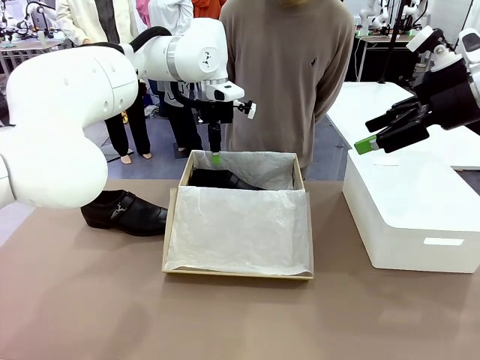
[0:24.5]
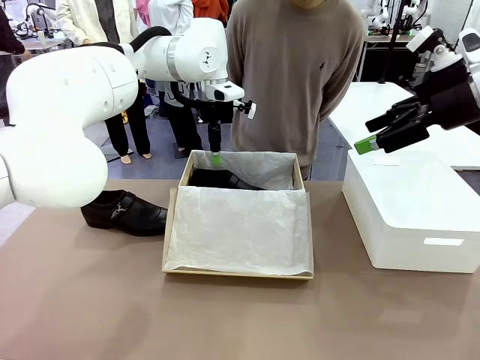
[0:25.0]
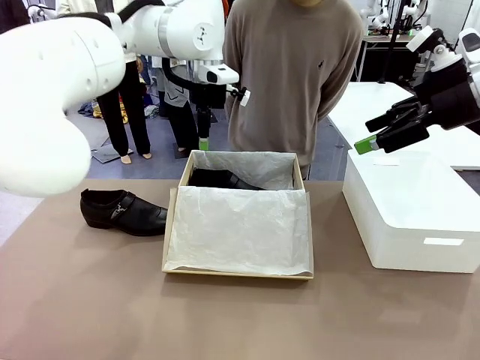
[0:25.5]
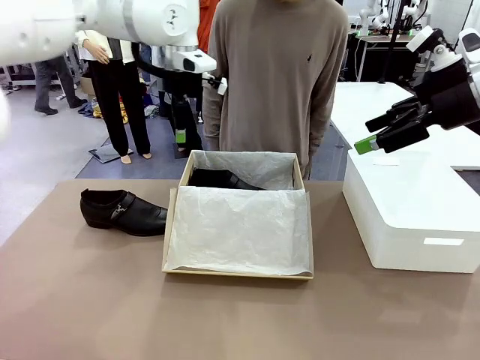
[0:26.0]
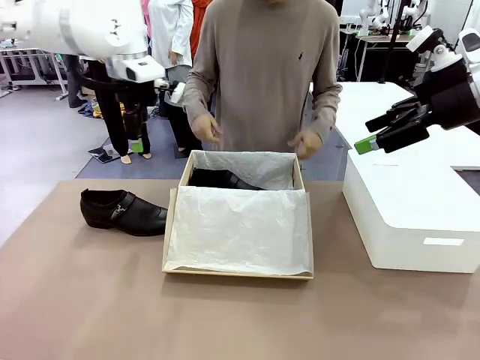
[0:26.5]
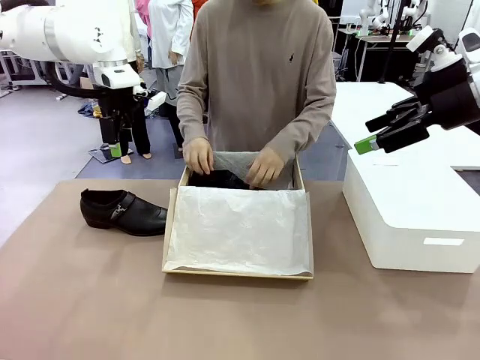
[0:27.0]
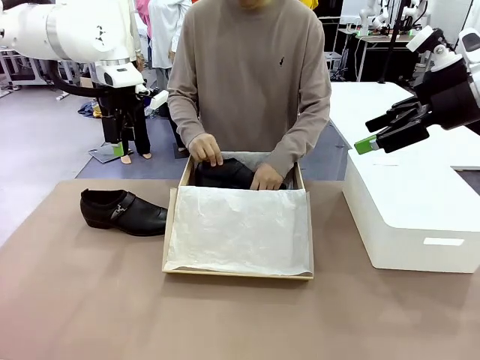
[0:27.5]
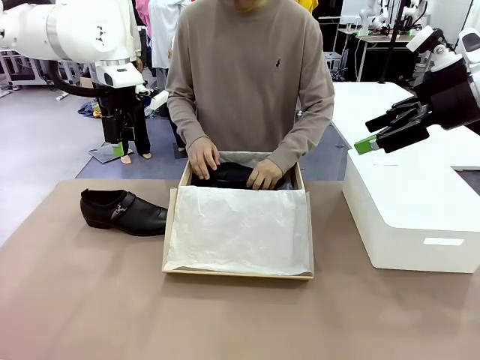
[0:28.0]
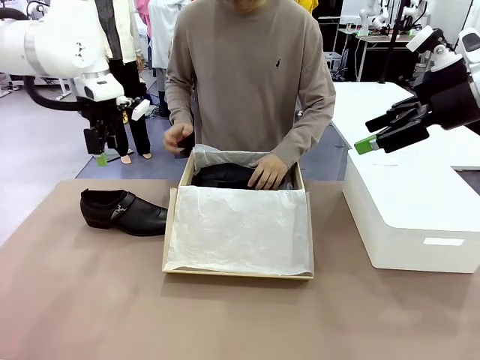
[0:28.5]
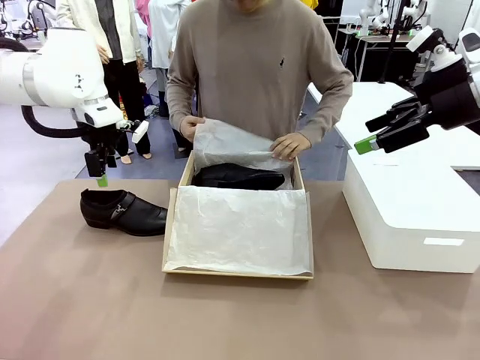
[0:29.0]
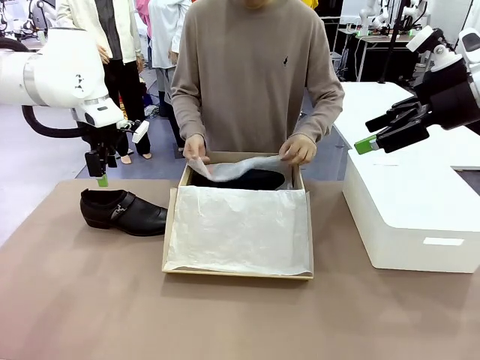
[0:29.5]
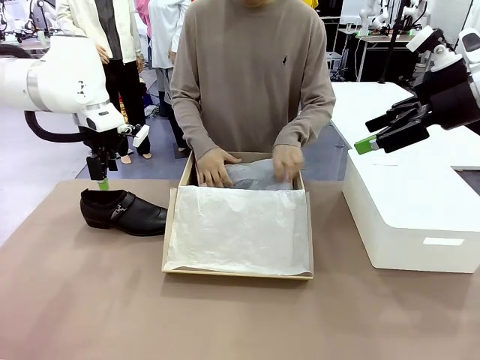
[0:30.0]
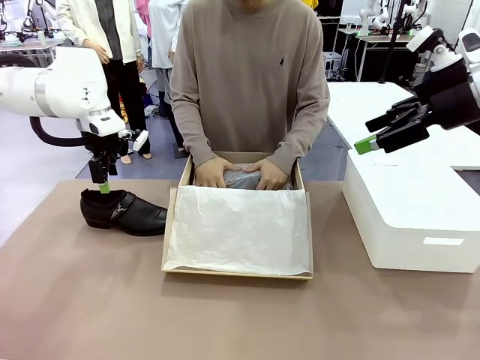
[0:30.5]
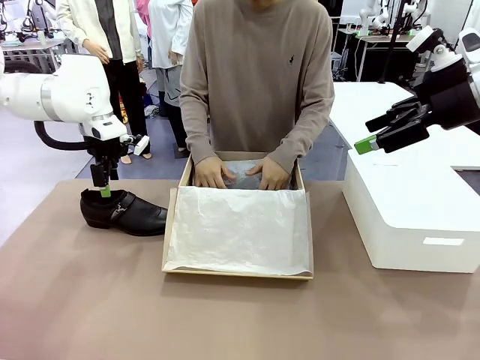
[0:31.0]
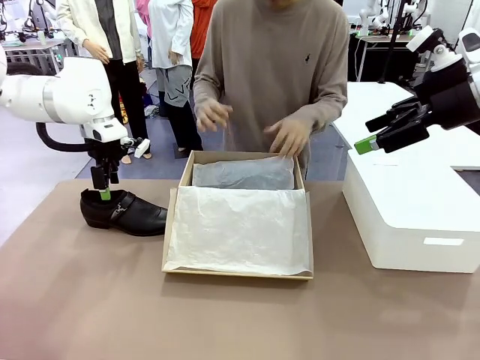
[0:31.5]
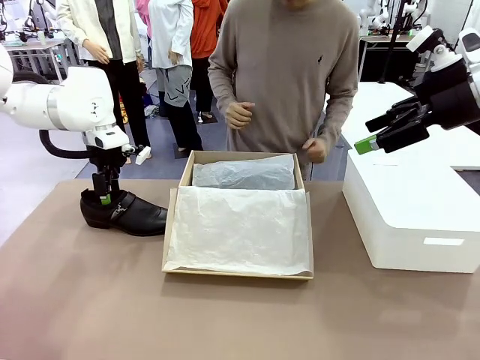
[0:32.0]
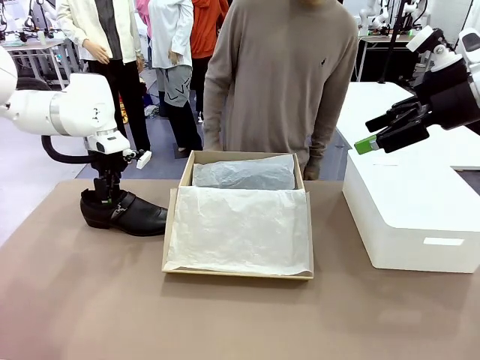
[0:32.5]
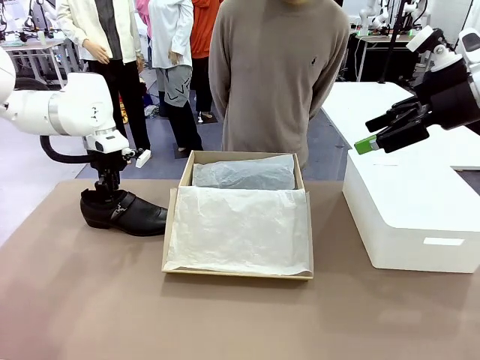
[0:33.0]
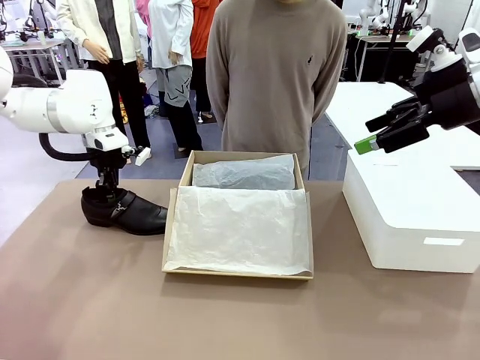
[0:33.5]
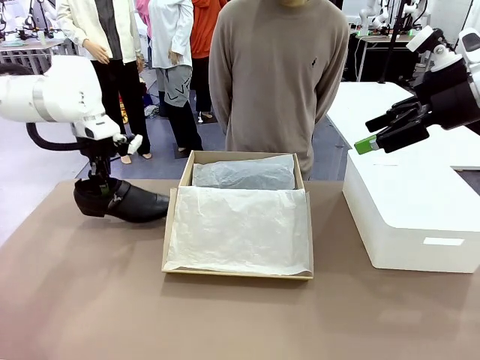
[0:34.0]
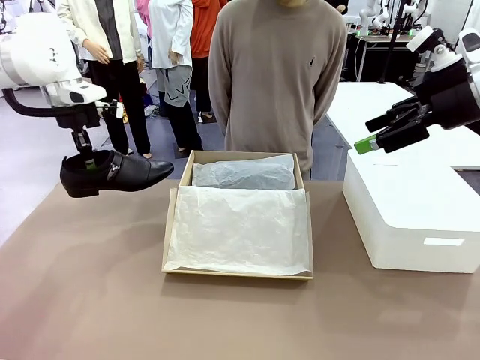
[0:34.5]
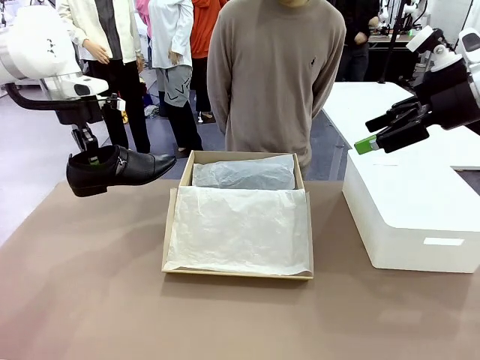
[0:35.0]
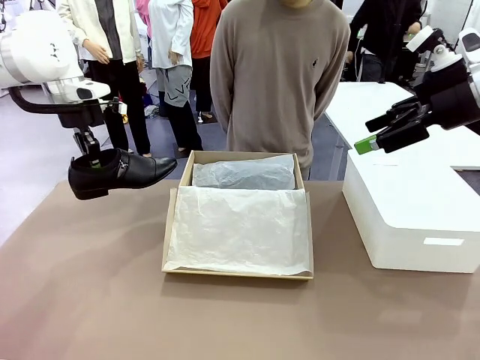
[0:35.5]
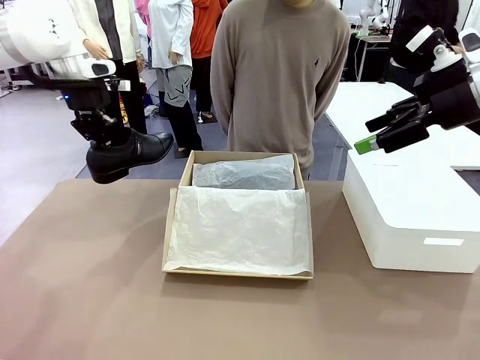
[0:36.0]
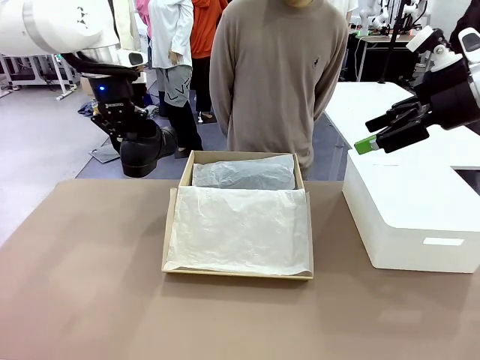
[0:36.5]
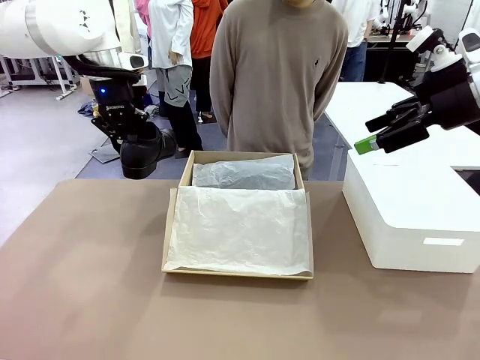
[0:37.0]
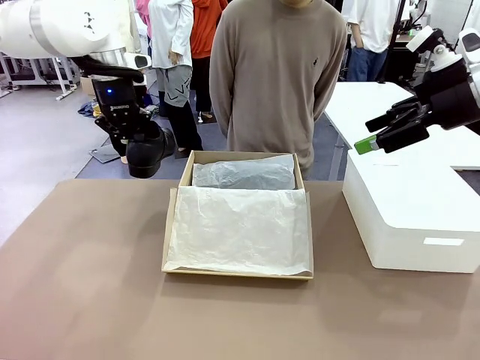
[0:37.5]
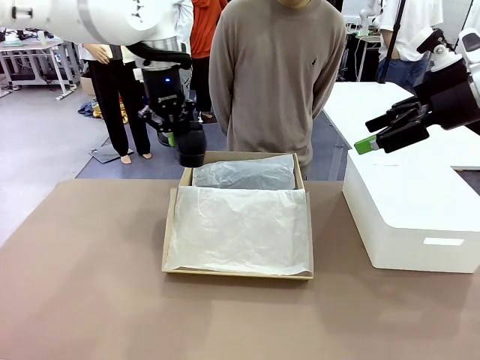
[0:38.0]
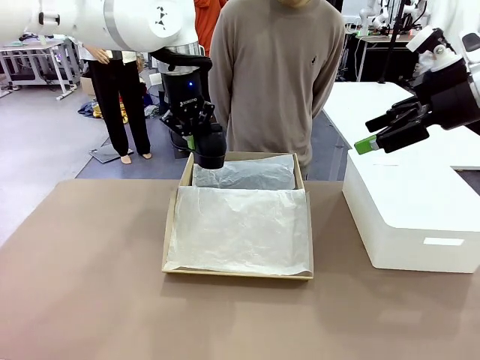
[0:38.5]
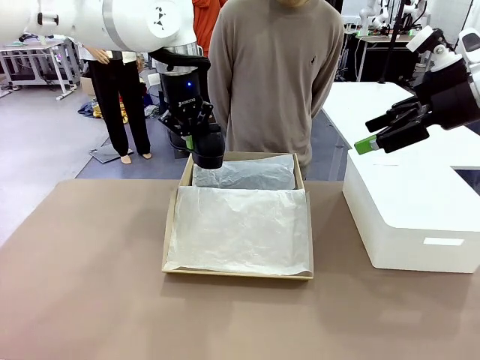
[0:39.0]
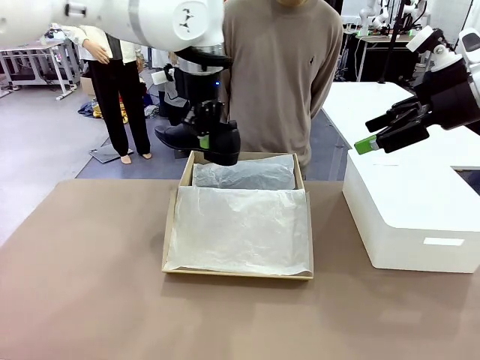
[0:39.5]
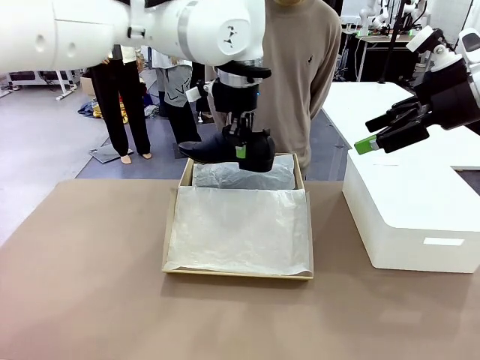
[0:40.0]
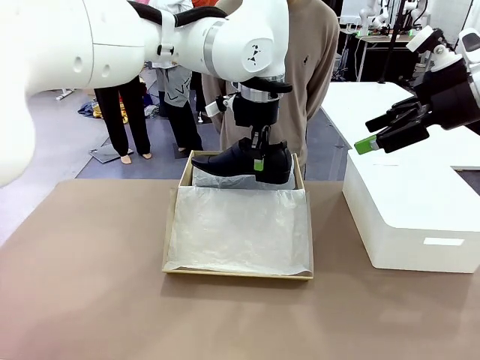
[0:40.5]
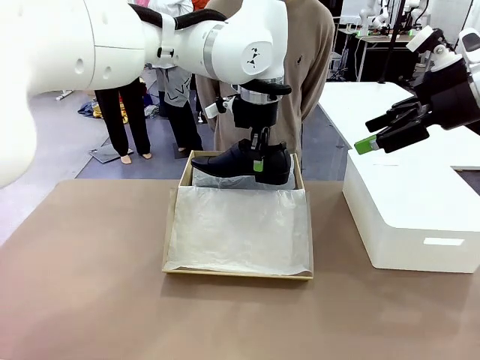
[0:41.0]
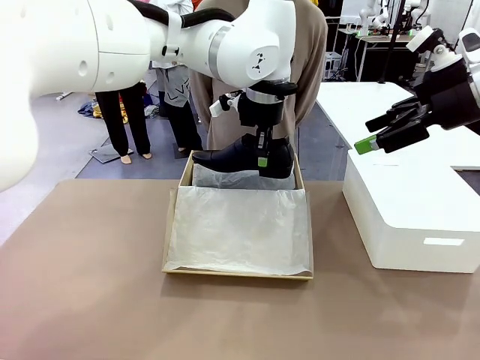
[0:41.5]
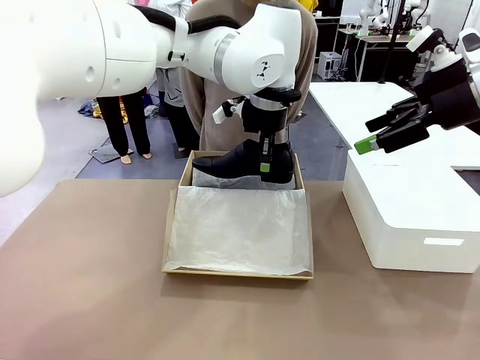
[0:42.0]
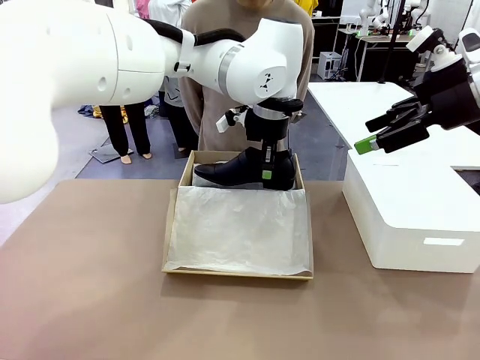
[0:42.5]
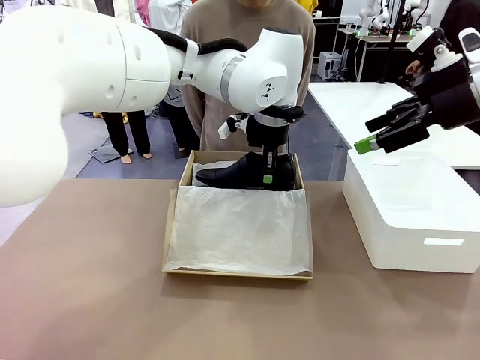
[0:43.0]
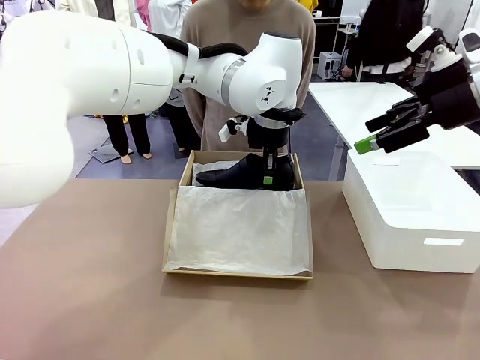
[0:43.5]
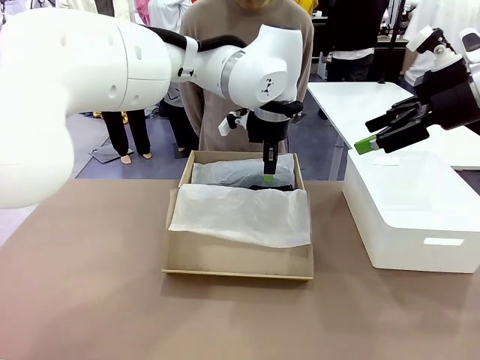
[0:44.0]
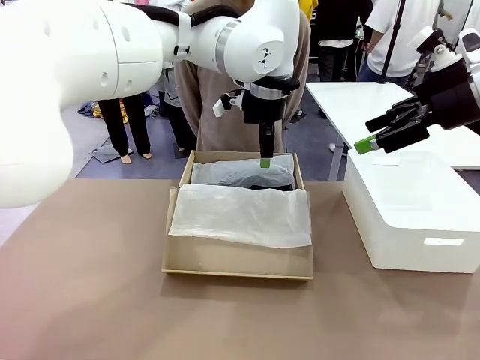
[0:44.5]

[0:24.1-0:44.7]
Task: Pack the shoes into the box.
Robot: Place the other shoe of the Shoes into the Shoes Box.
Person: Pack a shoe of Shoes inside the Shoes Box with Shoes Wrapping Paper.
